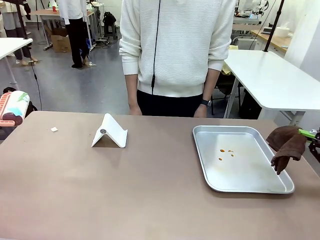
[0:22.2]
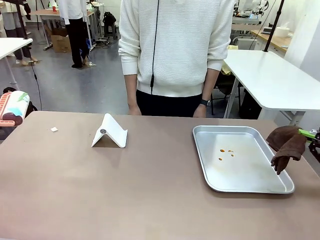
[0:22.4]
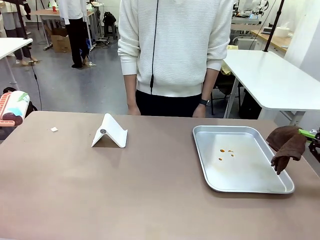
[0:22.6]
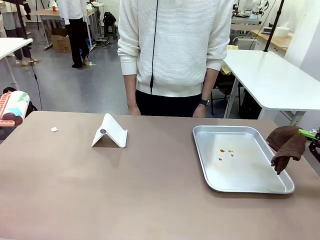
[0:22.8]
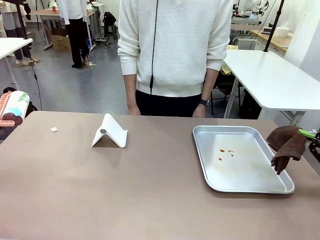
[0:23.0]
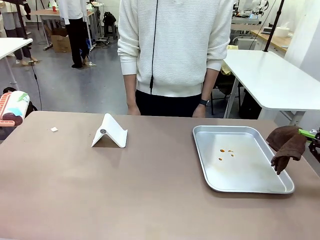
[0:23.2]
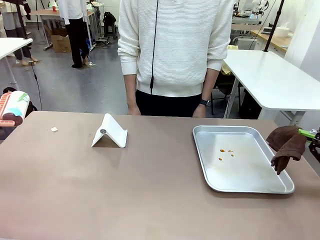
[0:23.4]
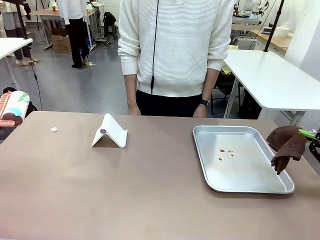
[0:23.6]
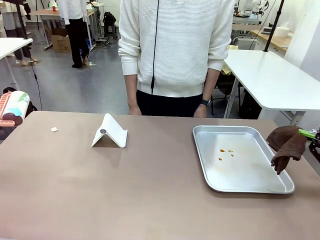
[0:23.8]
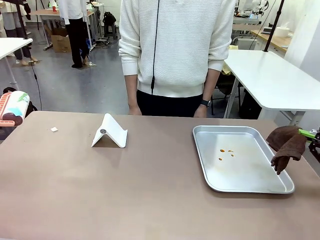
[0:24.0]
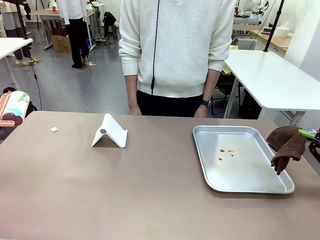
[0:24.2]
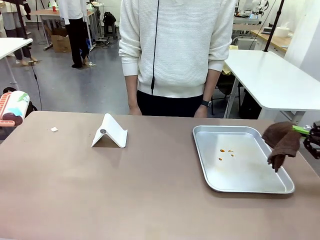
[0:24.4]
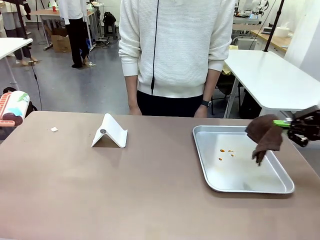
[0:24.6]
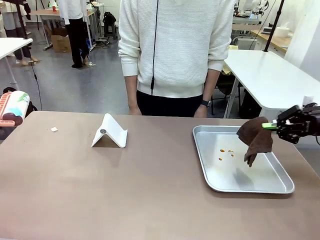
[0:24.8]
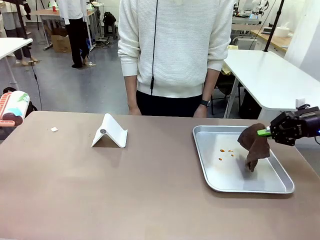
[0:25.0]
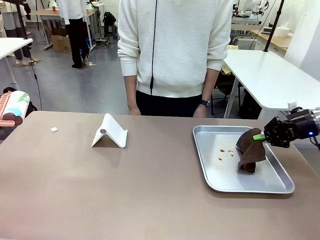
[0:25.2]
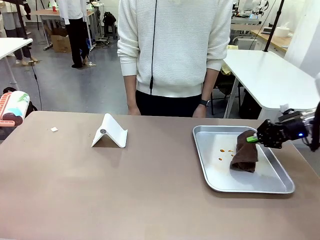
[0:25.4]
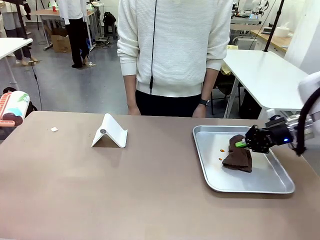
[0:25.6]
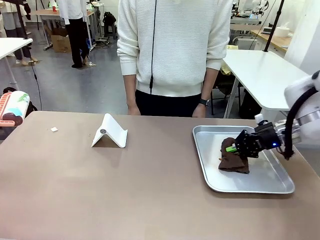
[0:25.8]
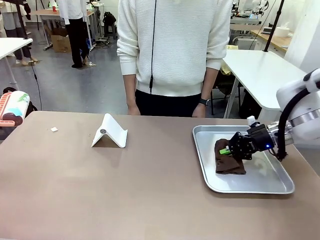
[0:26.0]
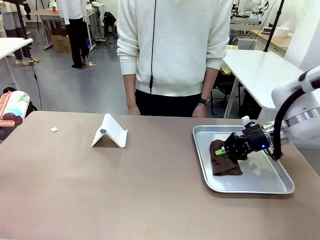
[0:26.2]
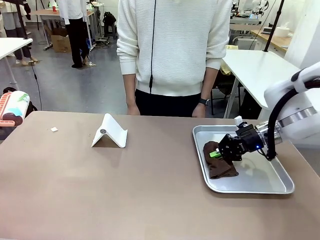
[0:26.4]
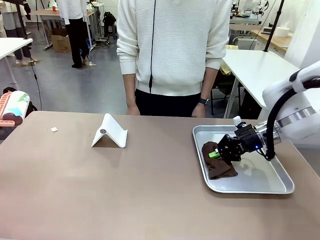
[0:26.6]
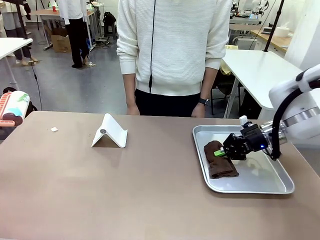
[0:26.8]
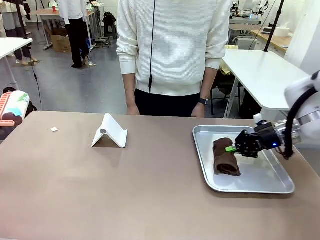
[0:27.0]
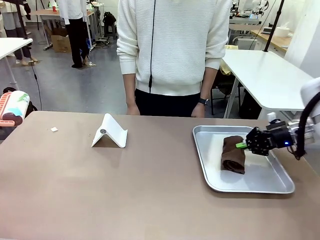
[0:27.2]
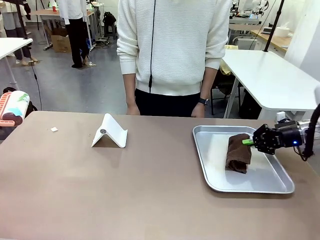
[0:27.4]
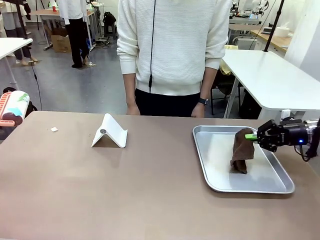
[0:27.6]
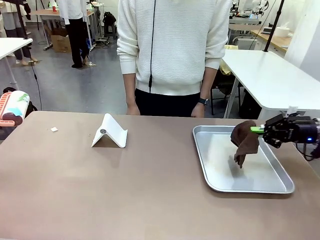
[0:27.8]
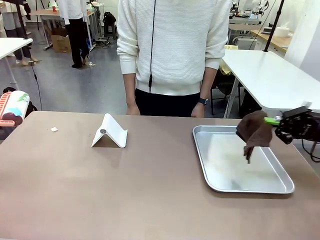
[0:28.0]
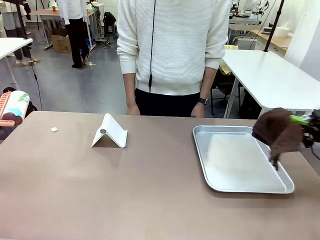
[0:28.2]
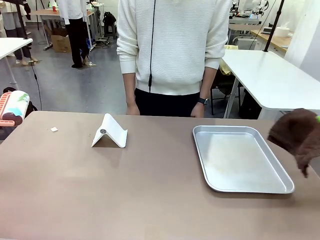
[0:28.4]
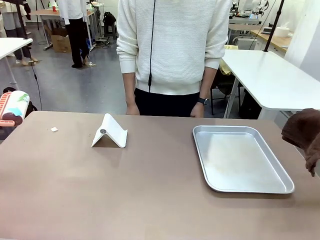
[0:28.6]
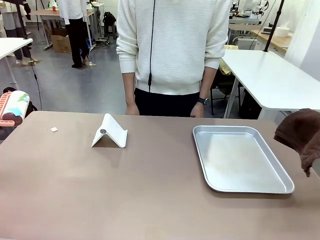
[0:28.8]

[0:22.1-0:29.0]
Task: Clean the surface of the table.
Robot: Clean the area not pointed to by the person.

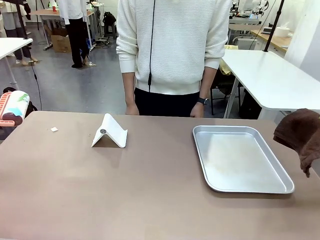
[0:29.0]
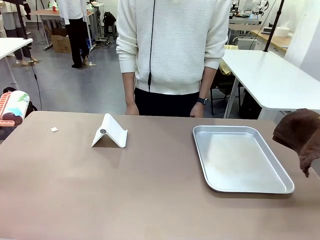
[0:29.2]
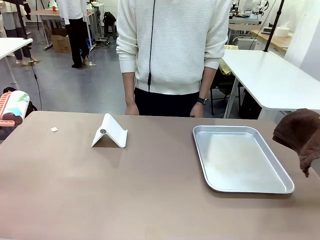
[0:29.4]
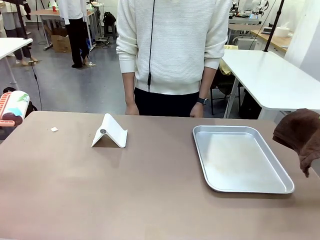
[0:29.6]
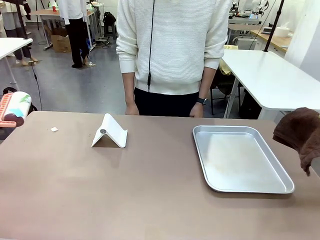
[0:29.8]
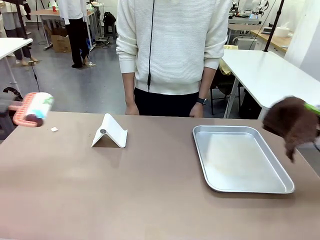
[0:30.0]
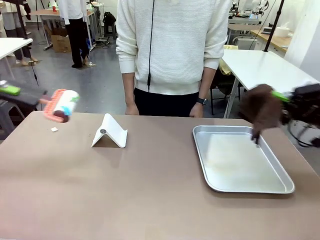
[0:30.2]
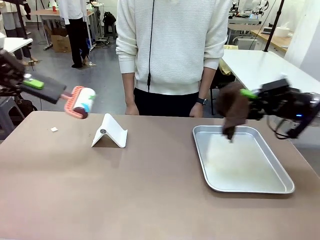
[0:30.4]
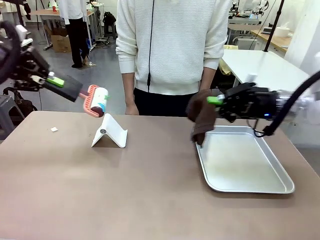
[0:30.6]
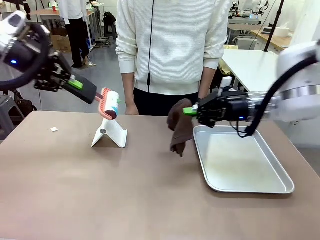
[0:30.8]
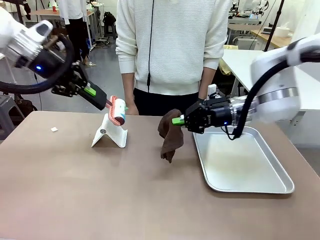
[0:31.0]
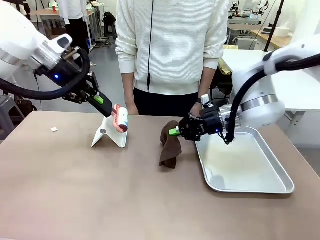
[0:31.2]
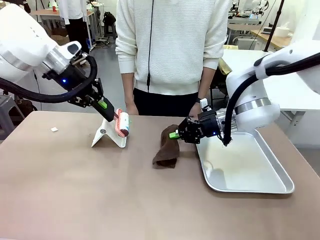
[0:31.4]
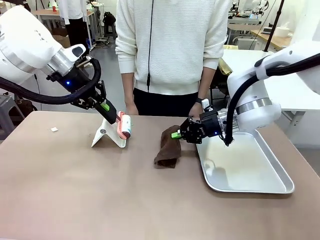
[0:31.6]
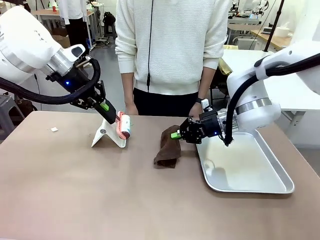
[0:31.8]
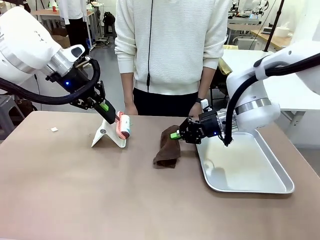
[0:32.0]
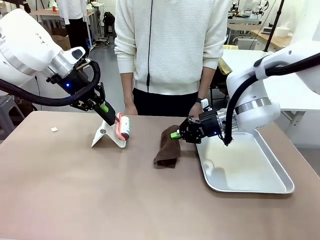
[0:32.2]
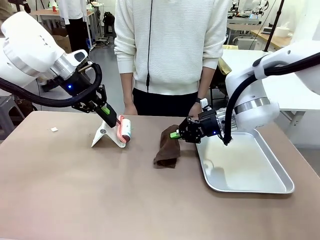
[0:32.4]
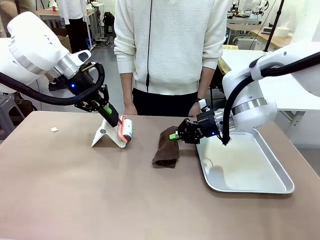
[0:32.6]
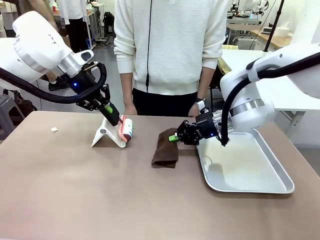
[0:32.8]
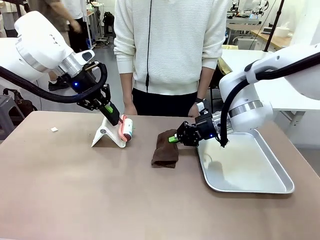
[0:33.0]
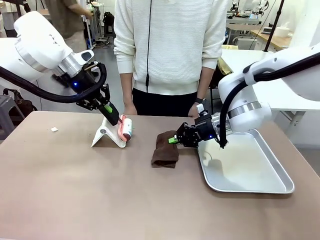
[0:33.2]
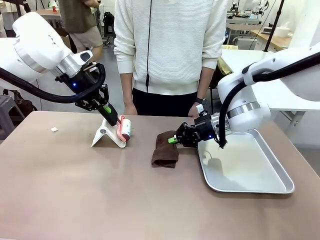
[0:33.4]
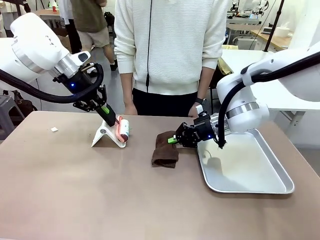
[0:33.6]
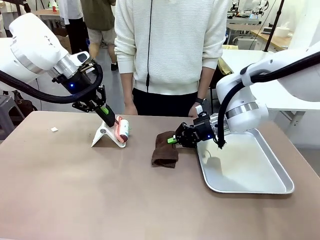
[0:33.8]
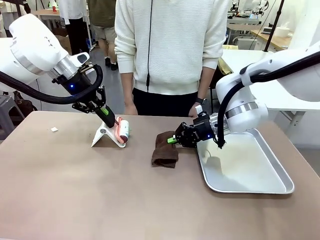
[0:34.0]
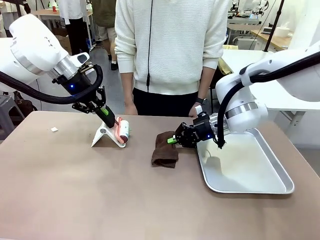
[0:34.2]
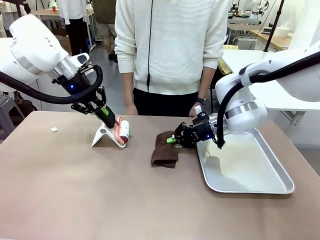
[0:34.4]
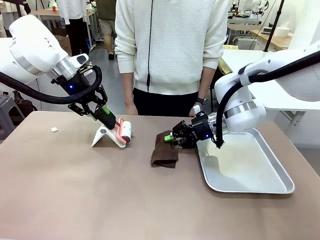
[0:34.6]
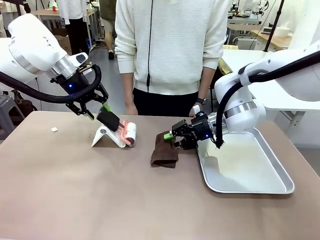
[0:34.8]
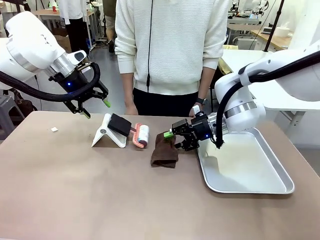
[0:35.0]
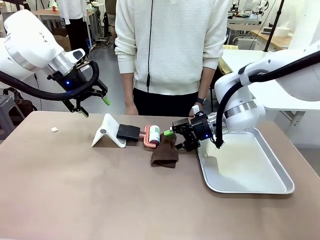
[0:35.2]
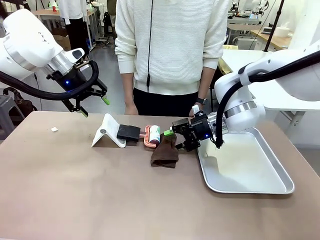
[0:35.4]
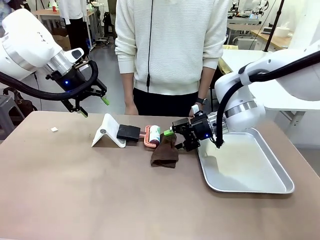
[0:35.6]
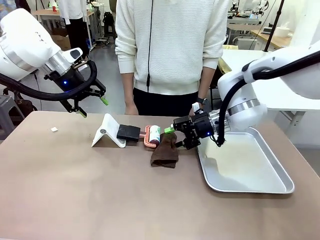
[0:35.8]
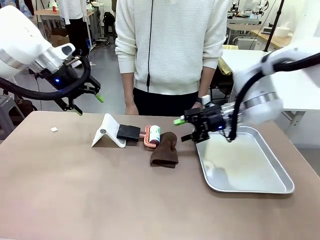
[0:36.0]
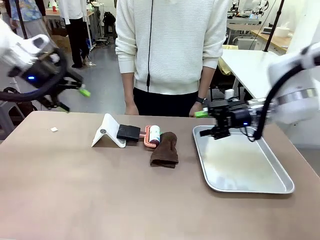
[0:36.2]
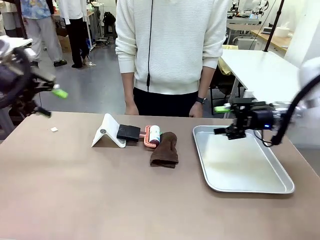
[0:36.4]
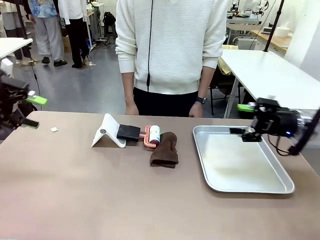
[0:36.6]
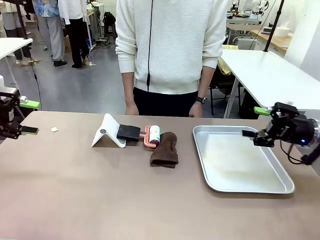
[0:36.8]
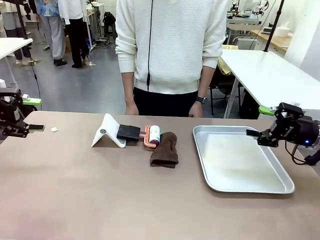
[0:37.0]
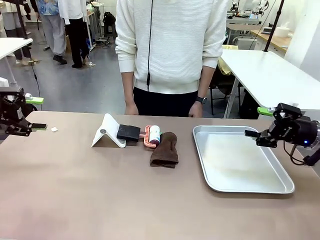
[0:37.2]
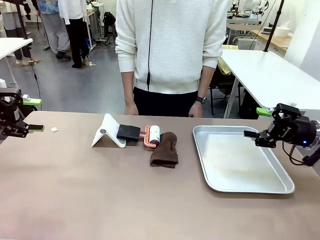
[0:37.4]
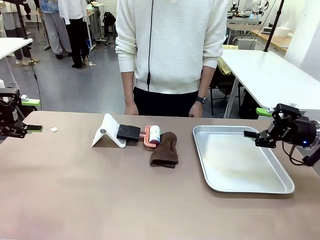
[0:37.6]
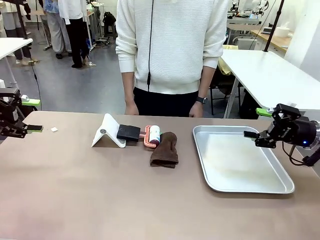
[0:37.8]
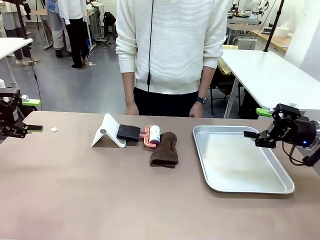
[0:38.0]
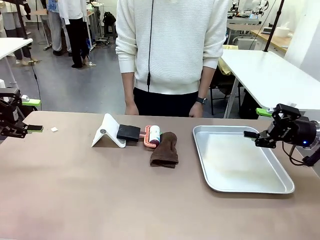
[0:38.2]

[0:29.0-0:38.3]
Robot: Return the Lint Roller and towel to their original positions.
